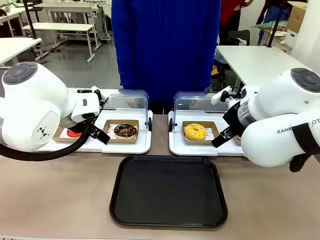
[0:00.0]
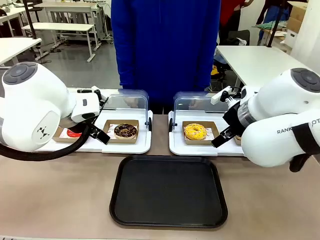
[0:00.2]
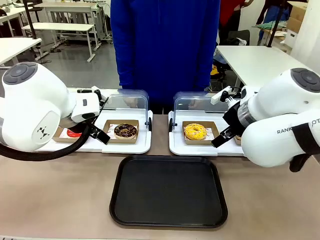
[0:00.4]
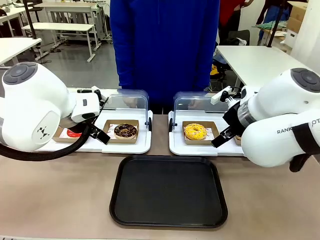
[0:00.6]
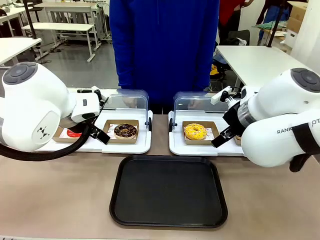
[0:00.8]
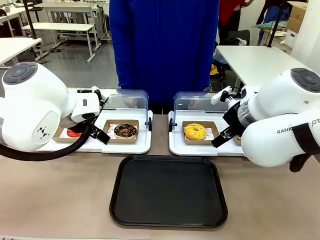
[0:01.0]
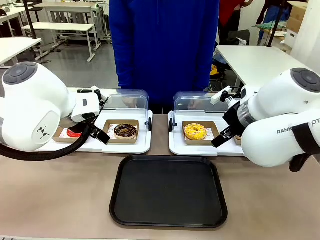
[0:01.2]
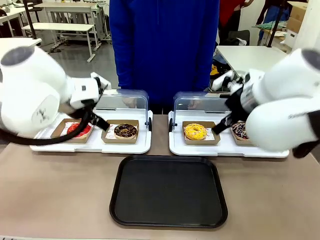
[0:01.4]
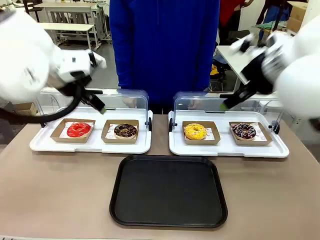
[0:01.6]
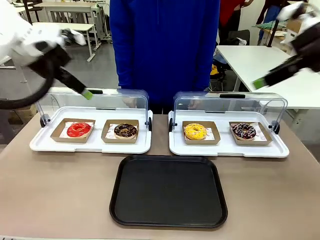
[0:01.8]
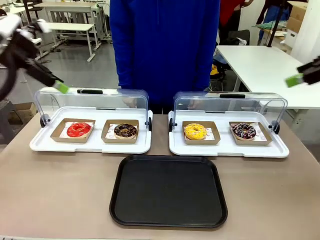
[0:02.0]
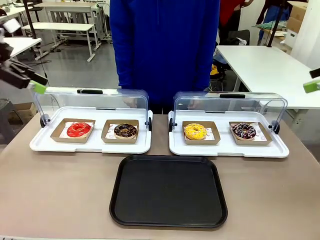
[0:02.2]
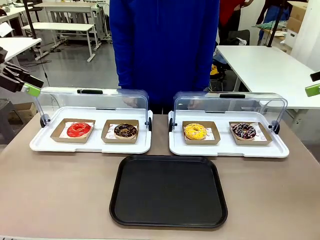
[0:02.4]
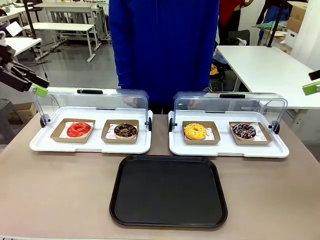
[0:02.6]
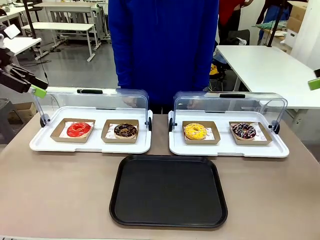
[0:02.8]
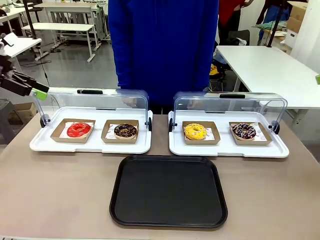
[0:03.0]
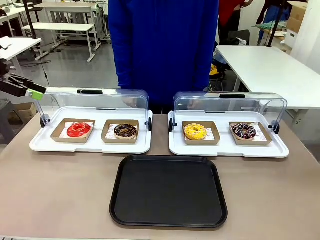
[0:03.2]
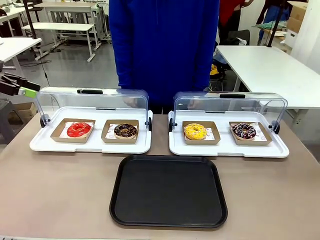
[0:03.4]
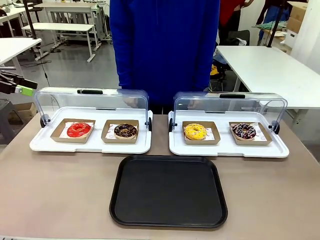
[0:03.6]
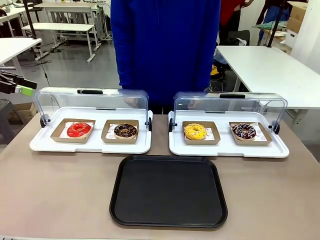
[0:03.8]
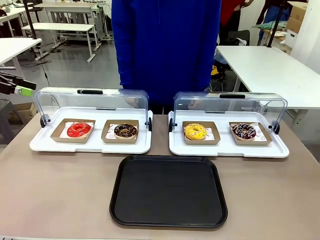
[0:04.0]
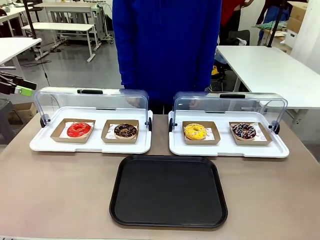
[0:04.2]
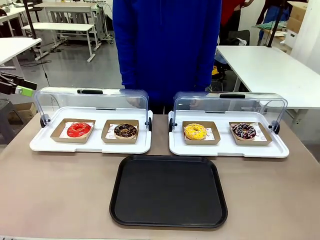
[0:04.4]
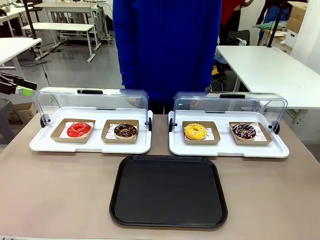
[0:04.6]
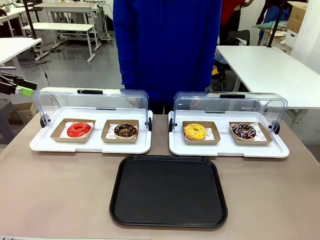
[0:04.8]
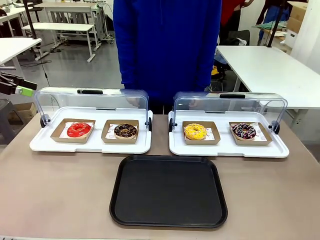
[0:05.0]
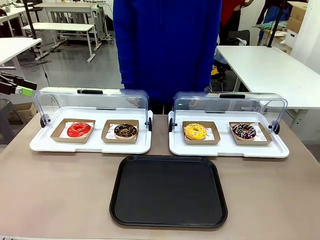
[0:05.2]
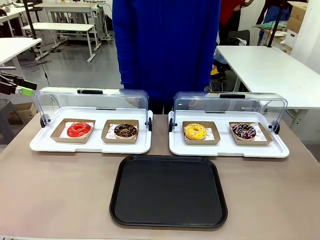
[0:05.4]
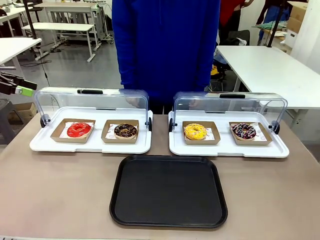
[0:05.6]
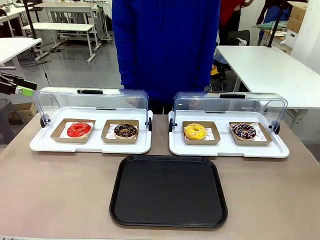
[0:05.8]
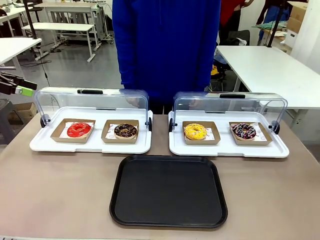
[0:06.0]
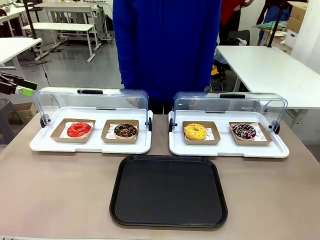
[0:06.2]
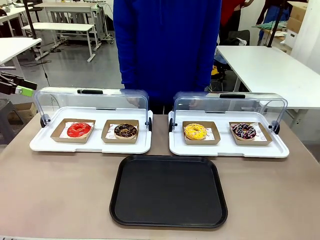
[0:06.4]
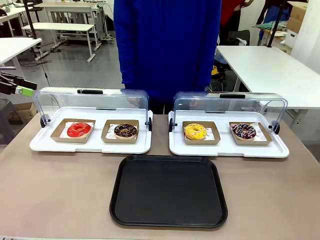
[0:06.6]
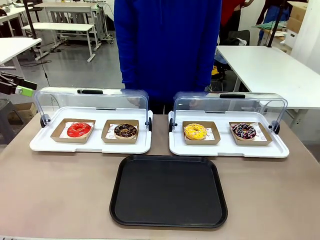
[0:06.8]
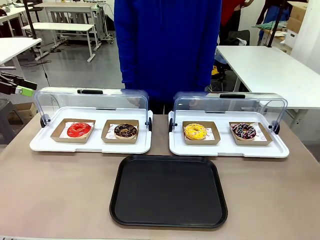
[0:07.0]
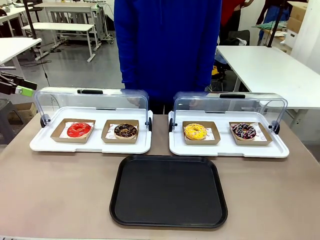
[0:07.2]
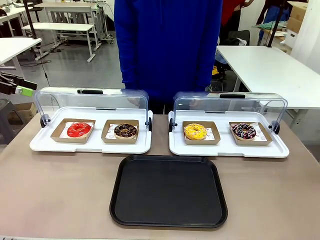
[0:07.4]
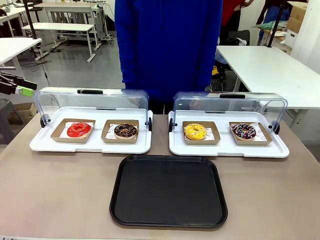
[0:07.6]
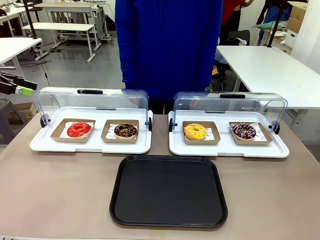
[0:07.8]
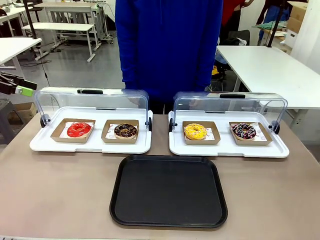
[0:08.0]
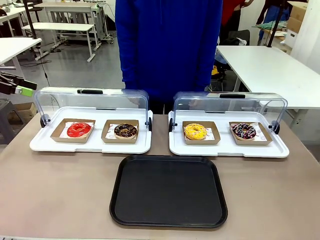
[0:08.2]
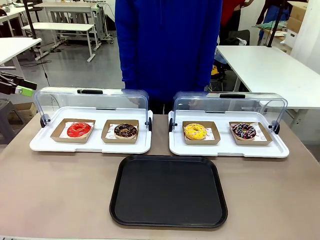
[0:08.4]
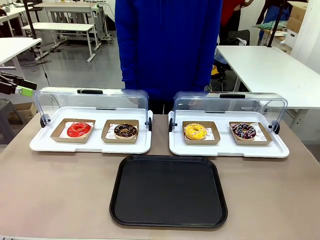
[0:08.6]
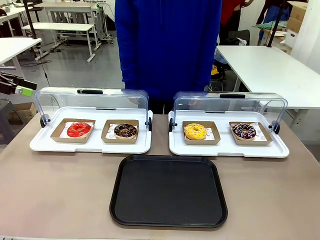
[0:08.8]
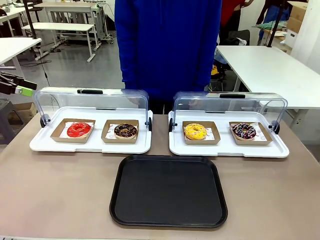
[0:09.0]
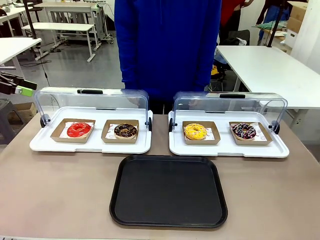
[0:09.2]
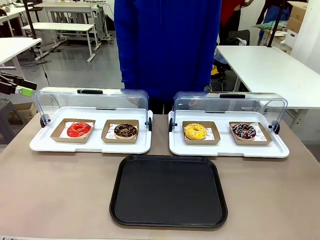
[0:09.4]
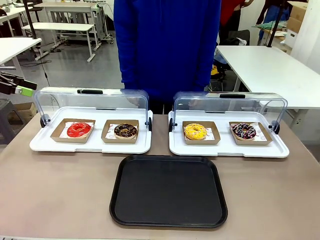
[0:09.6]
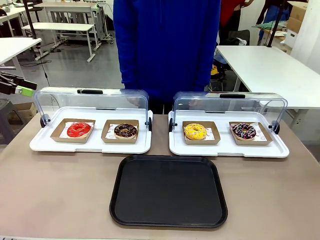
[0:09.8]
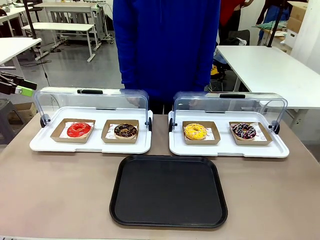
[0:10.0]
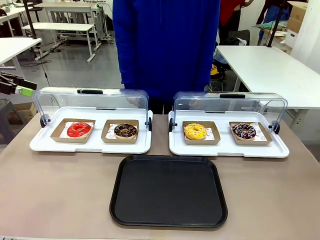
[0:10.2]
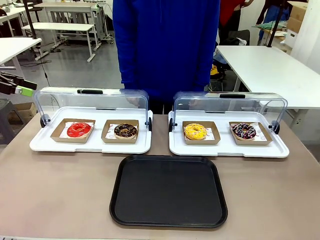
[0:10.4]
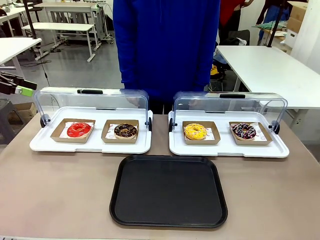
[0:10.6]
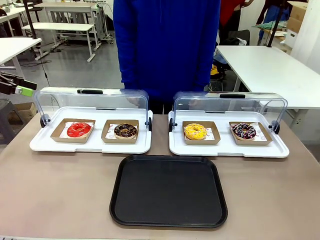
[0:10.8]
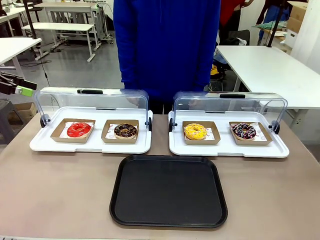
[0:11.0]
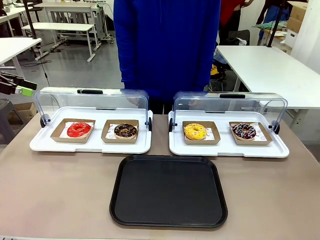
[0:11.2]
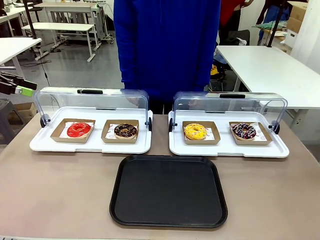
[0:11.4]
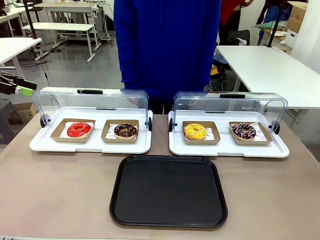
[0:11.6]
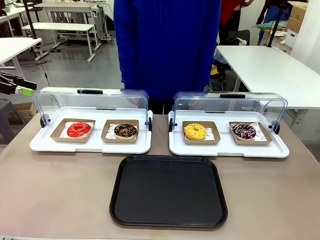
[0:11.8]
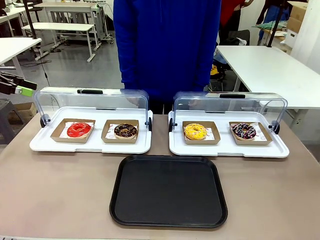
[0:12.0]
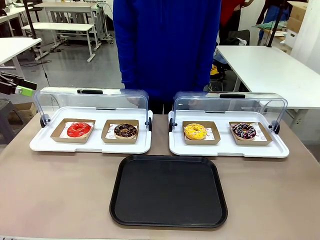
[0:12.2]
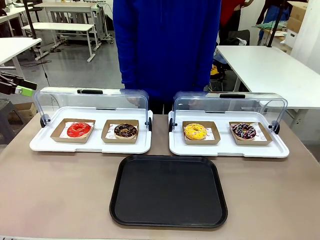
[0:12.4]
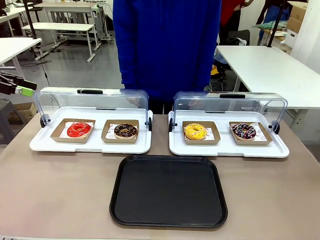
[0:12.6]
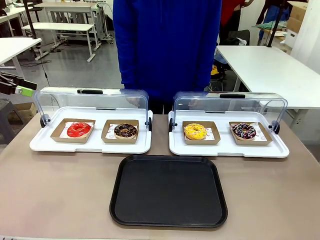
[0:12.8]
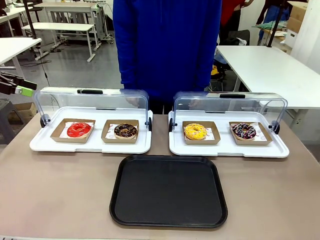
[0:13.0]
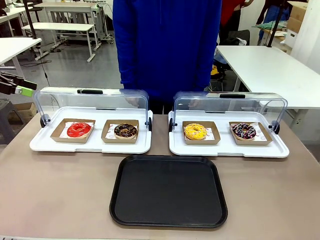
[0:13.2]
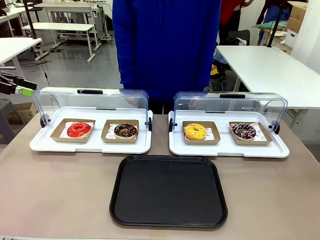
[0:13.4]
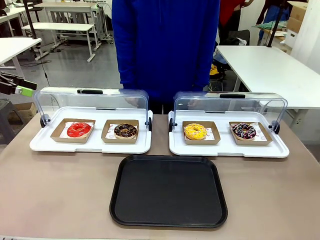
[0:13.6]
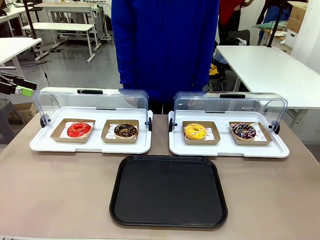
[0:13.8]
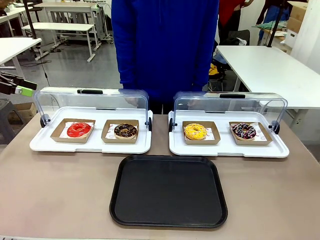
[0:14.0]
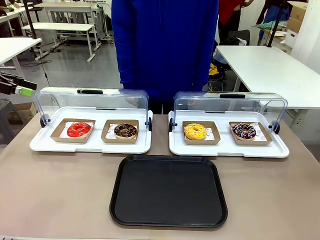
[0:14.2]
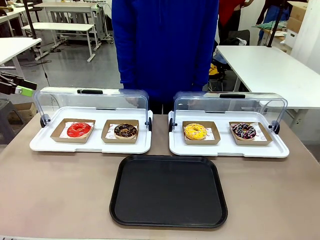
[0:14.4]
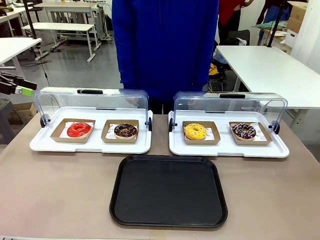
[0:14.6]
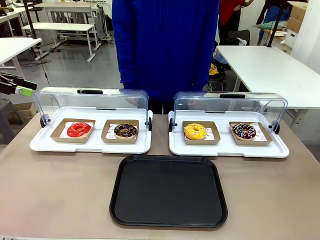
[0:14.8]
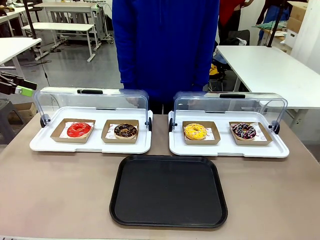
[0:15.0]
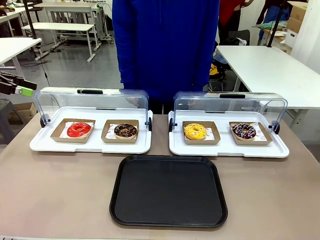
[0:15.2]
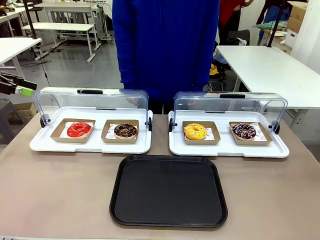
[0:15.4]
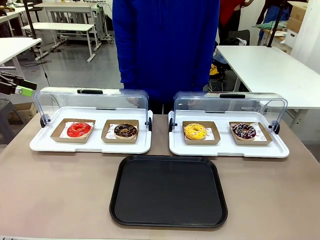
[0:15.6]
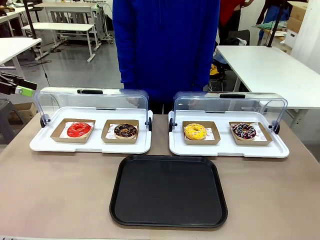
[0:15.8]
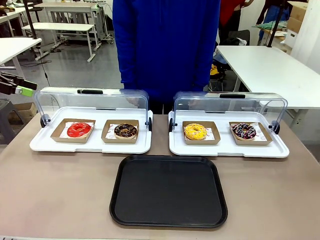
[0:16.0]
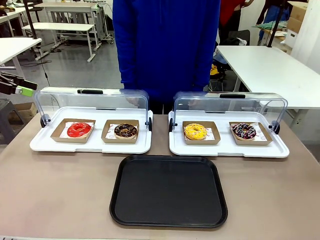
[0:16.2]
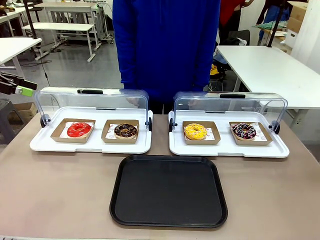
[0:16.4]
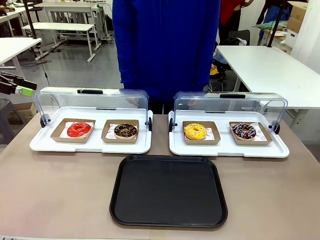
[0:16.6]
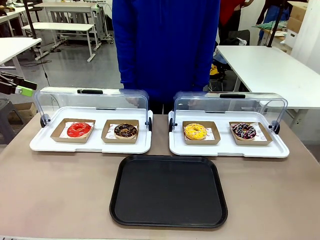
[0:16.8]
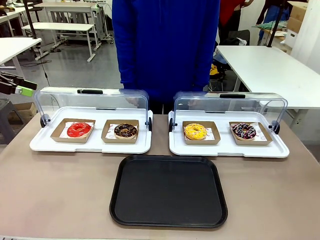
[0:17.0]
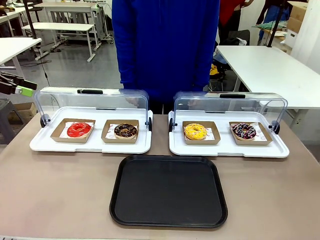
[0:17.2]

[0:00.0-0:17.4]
Task: Move the first donut from the left to the tray.
Robot: Pick up the Paper togo box containing the Donut indicated by the person and place it on the Handle tray.
